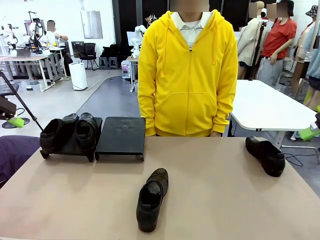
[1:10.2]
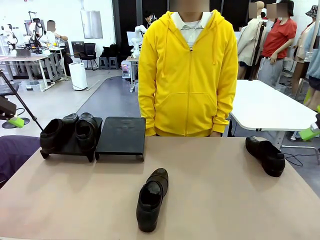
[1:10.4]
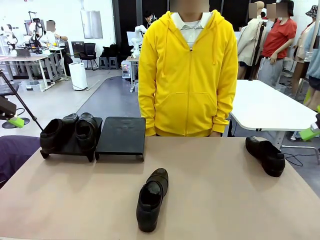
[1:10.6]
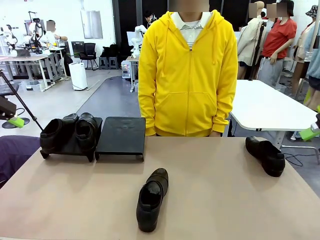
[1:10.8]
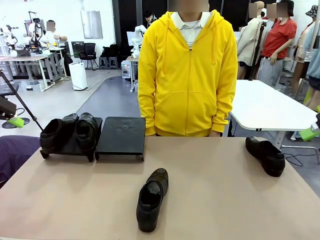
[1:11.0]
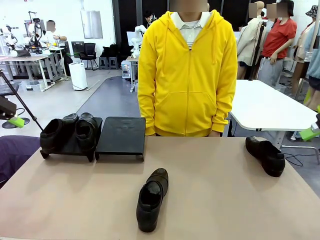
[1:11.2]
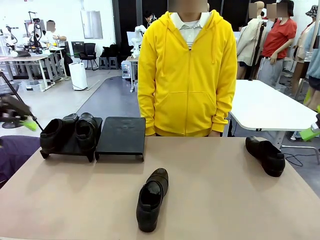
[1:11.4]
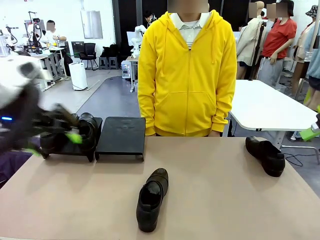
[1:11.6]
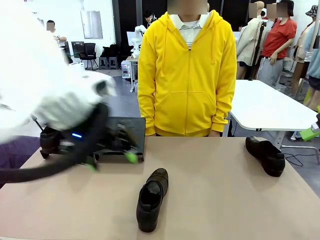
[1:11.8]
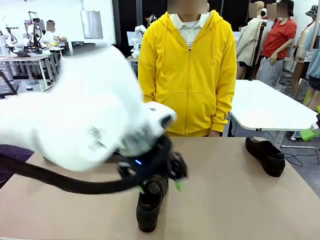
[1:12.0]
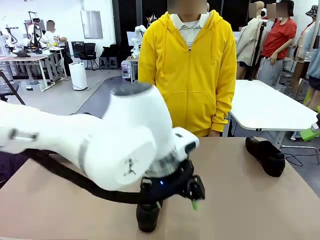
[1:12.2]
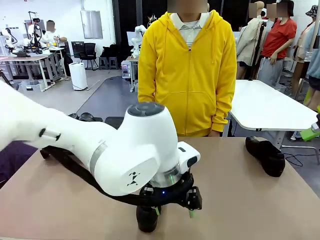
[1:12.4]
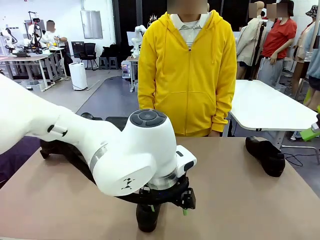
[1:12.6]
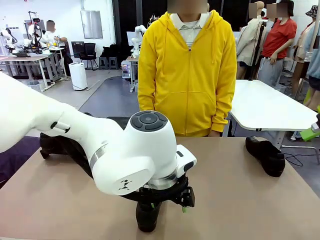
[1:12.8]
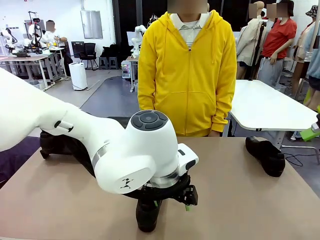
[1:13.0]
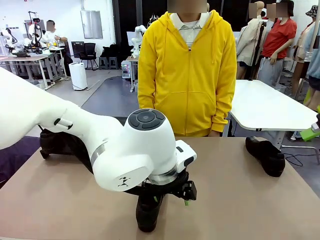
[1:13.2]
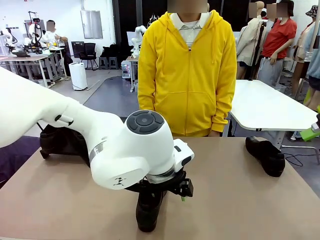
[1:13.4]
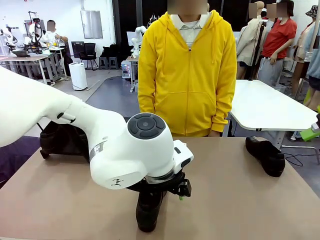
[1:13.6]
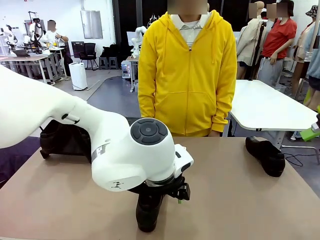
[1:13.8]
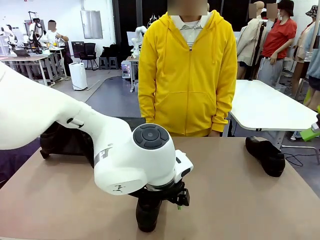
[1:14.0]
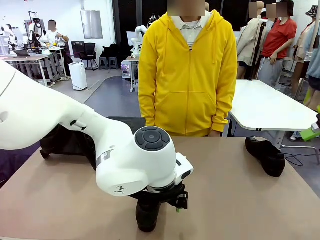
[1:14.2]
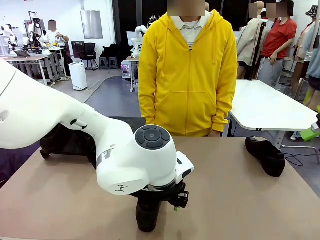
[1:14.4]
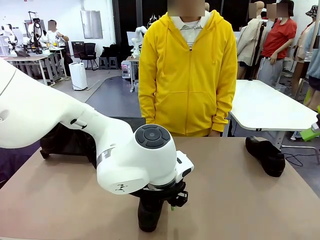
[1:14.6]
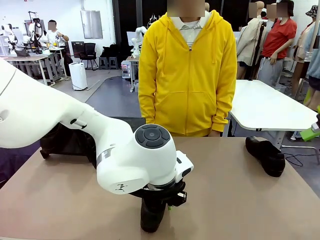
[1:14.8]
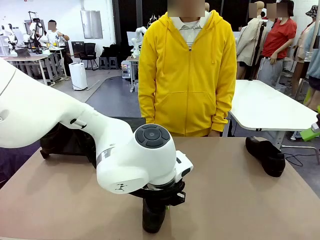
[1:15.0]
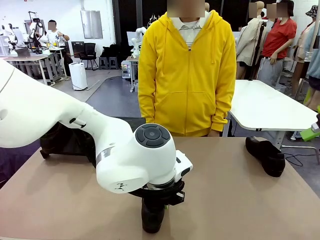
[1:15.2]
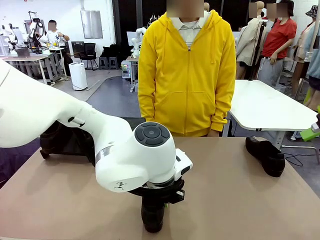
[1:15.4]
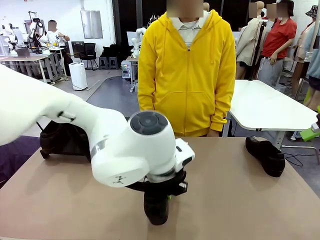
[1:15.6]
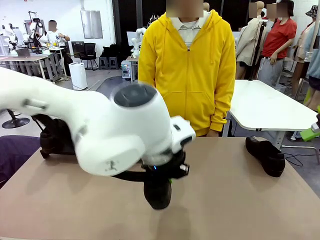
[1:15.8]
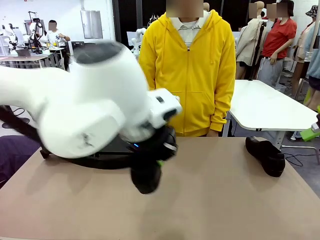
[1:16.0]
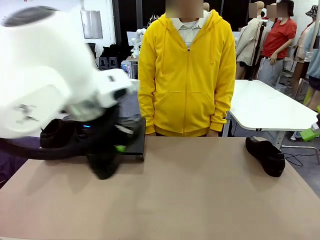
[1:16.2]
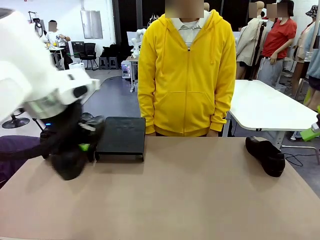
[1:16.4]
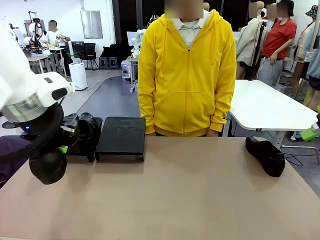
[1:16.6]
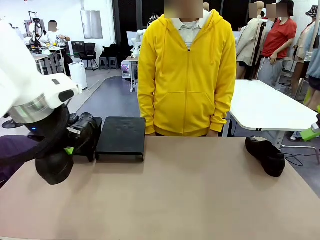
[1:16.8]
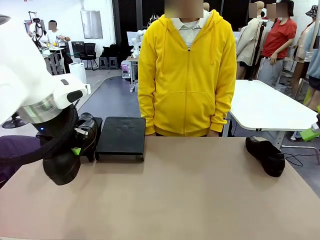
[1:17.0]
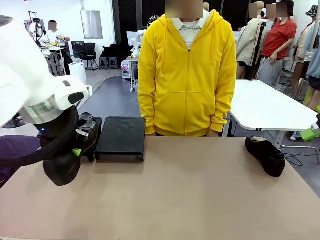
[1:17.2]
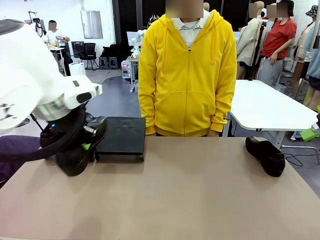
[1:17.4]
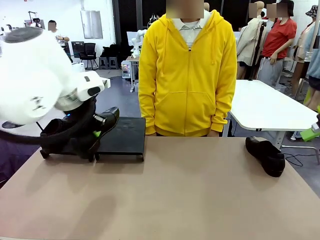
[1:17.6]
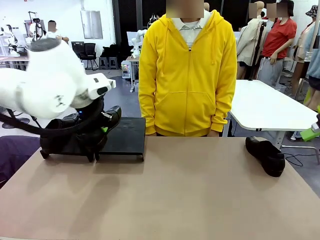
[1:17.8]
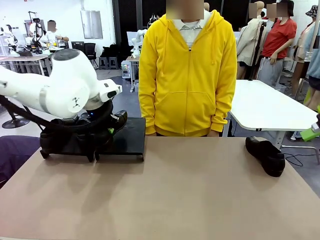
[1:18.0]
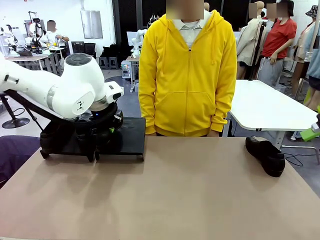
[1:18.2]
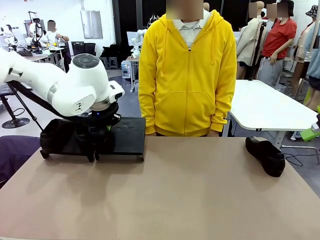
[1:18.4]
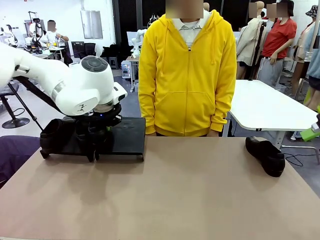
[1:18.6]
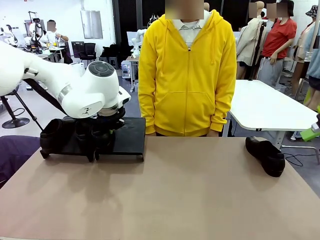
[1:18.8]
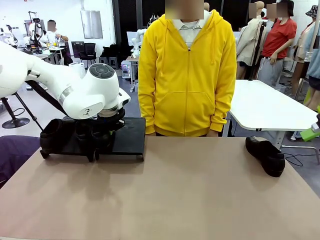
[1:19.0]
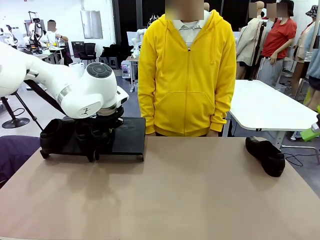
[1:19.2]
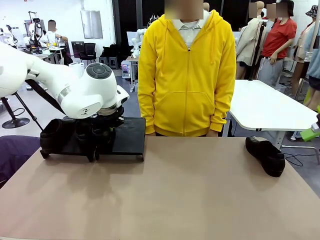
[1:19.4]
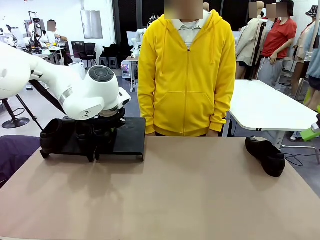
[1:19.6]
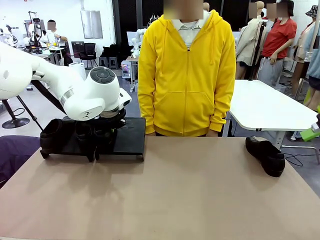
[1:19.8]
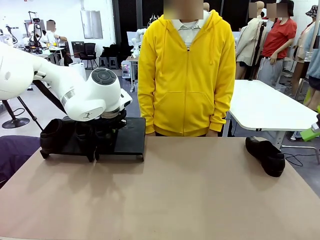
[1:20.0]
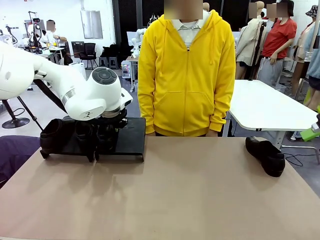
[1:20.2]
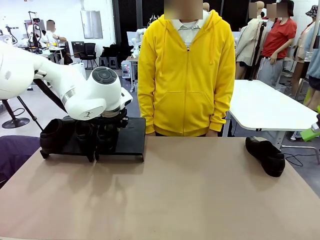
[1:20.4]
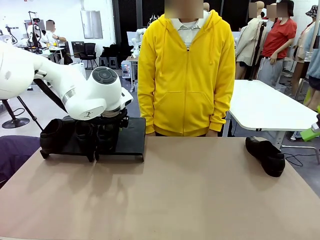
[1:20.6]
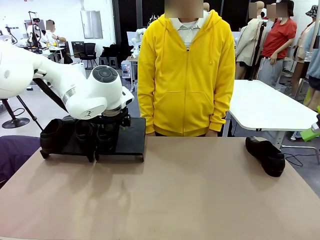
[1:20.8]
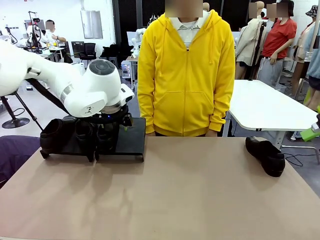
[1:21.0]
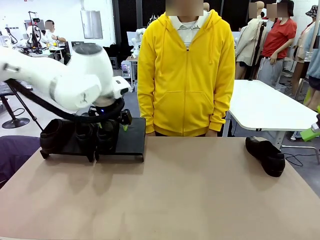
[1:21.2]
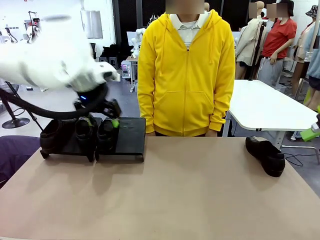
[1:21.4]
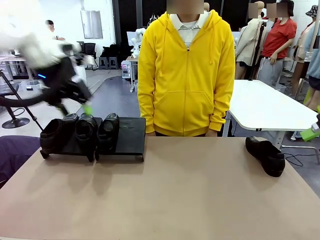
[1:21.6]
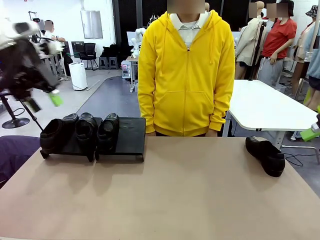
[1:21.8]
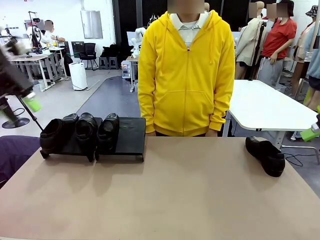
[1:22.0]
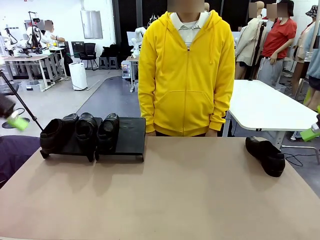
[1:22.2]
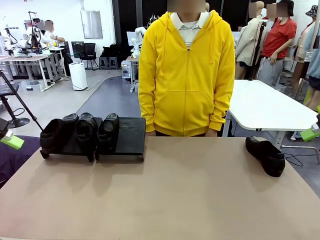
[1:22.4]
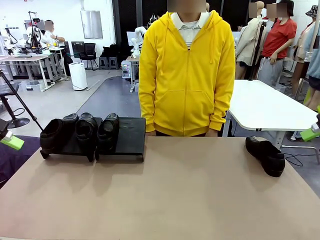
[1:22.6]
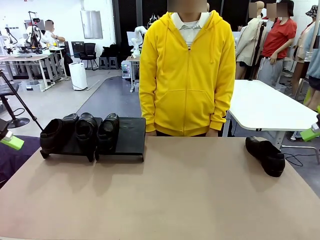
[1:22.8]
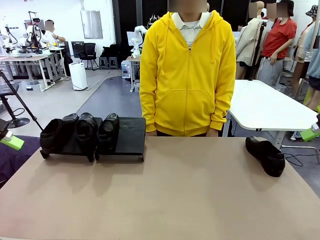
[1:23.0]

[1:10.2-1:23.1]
Task: Organize the shoes by placing them on the stand.
Robot: Place the Shoe from the middle of the table onto the Shoes Stand.

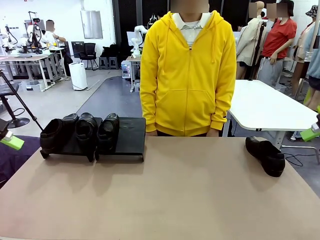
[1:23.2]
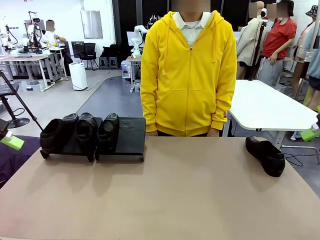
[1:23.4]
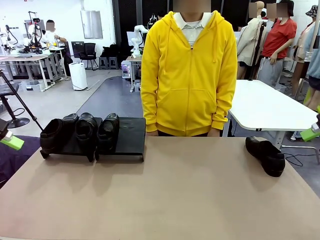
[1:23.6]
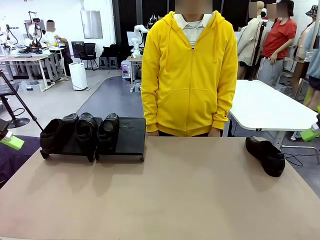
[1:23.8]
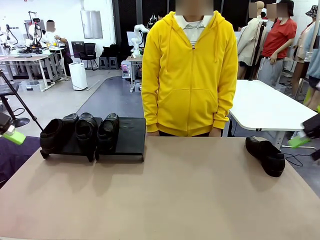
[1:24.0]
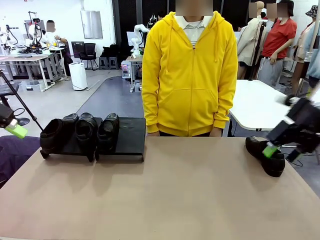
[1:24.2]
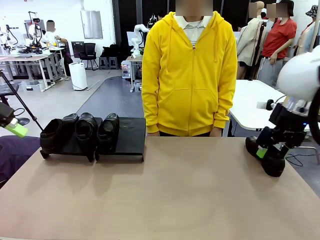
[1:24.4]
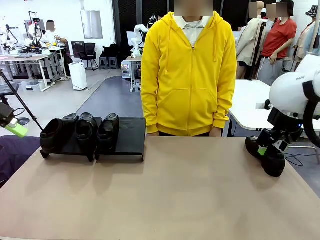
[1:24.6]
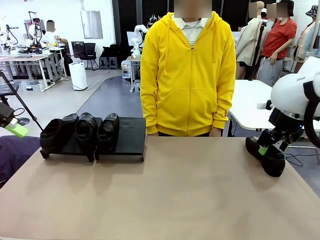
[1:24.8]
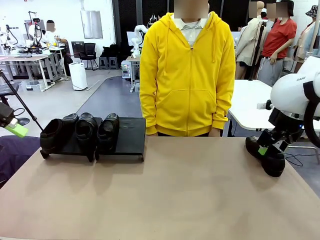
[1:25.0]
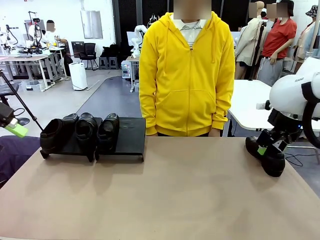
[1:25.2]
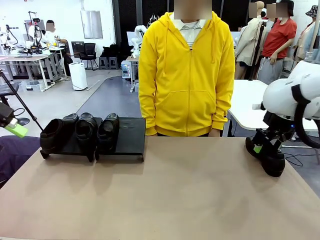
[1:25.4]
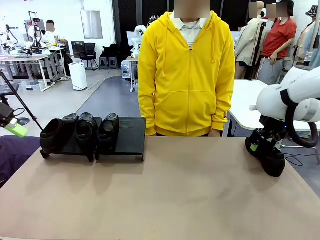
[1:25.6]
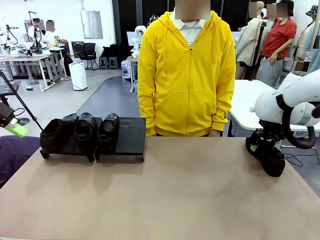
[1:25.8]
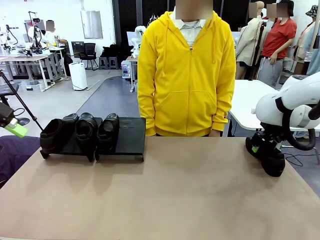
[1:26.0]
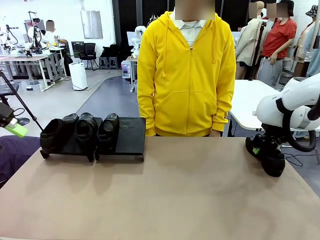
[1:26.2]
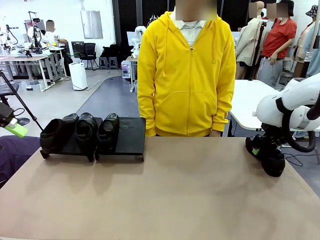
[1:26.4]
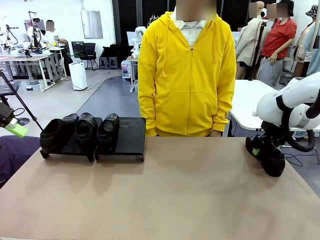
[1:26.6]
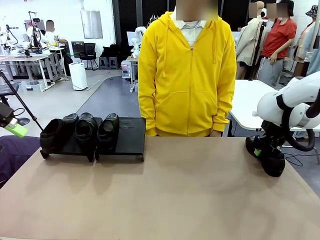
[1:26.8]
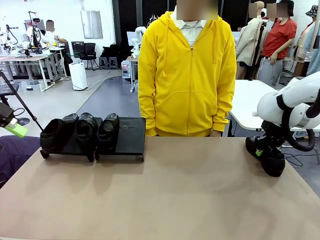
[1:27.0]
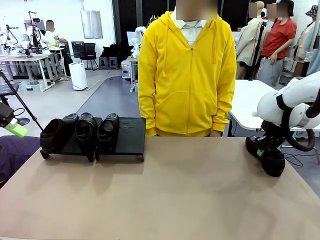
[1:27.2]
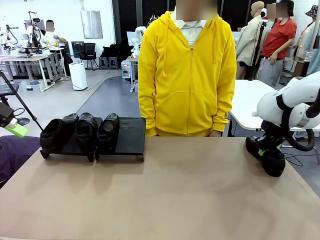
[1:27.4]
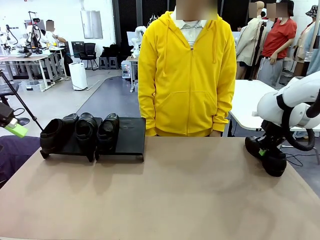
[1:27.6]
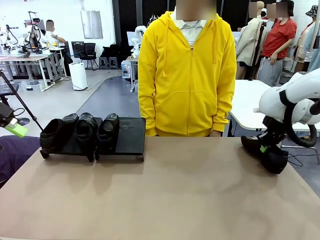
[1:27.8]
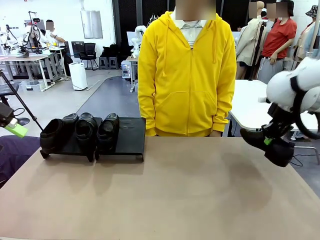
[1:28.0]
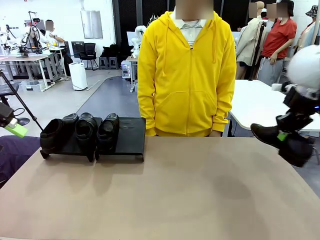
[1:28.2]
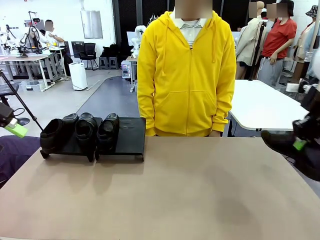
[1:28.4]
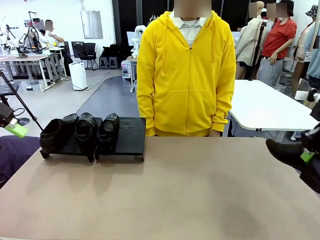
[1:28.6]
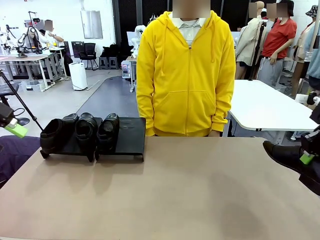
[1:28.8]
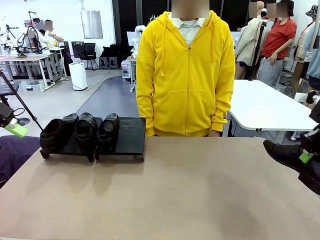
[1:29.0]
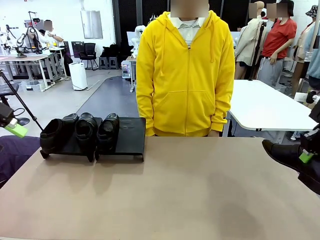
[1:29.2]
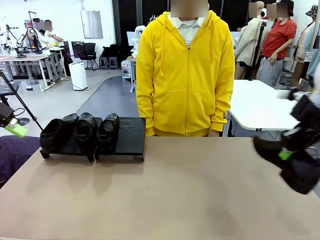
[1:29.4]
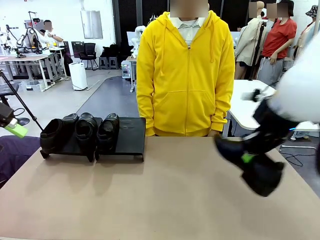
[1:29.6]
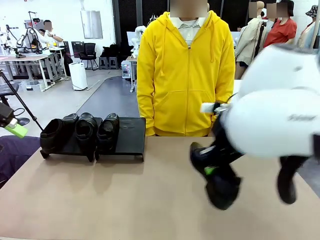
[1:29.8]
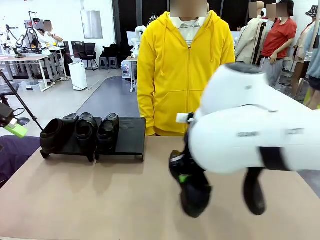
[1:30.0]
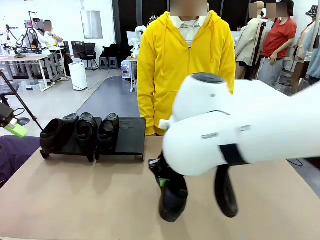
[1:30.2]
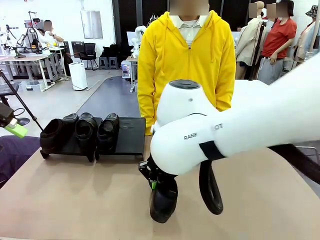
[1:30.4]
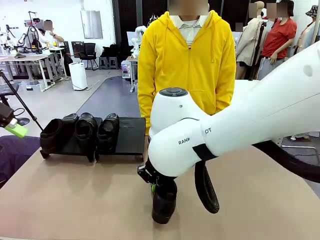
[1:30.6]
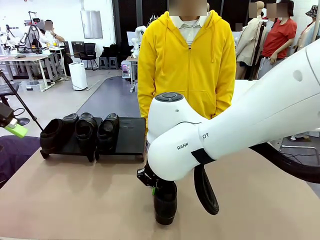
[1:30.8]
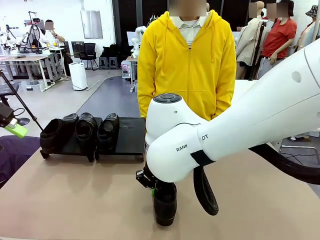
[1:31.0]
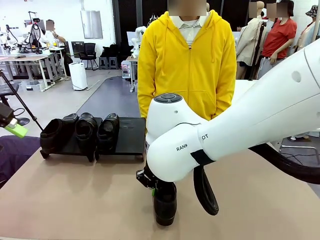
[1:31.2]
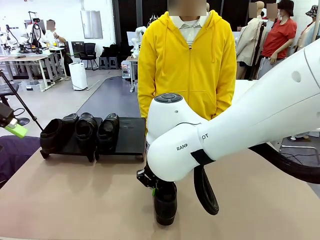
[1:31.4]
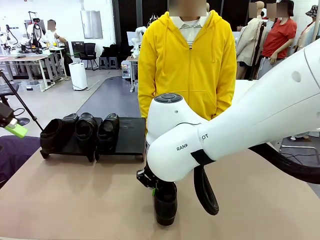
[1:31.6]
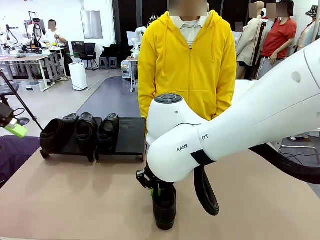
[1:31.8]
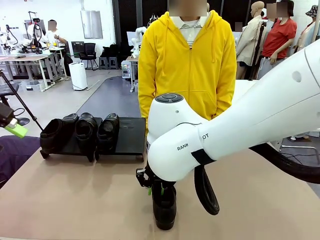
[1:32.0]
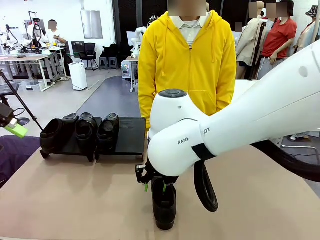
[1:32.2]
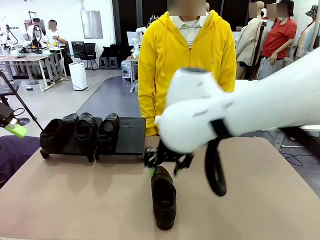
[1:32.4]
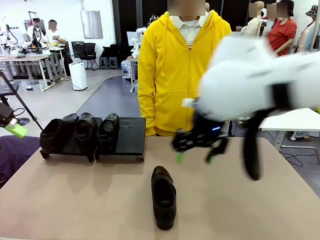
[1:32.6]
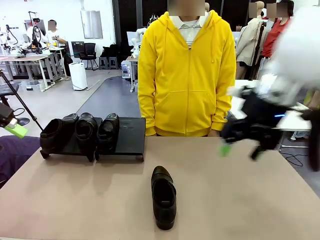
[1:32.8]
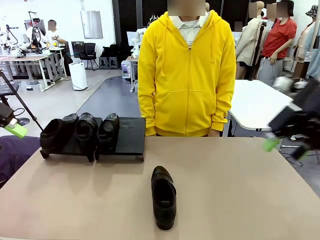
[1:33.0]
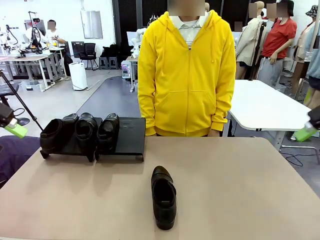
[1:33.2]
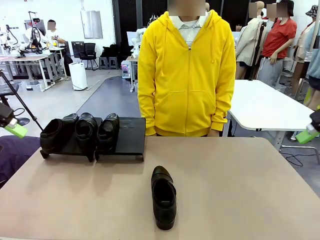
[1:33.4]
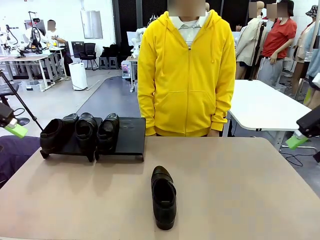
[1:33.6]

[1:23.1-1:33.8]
Robot: Pick up one Shoe and place it in the middle of the table.
